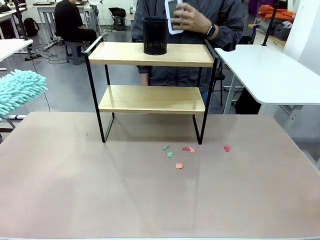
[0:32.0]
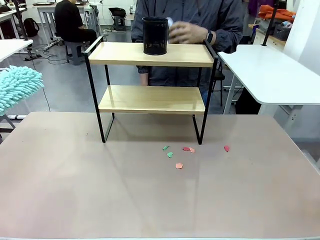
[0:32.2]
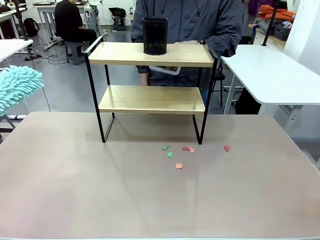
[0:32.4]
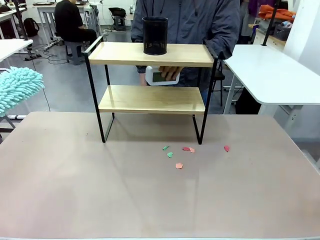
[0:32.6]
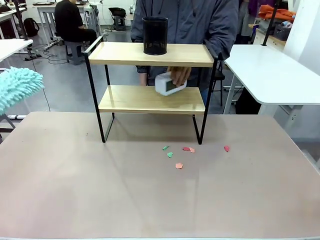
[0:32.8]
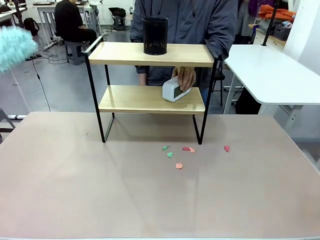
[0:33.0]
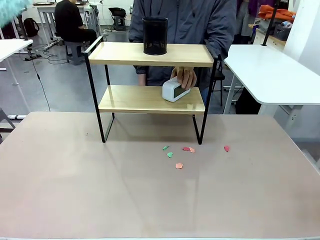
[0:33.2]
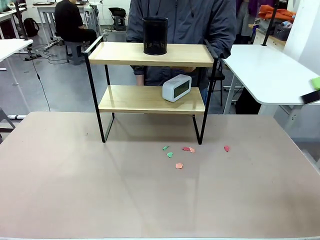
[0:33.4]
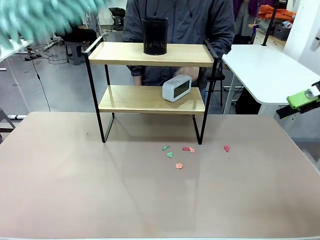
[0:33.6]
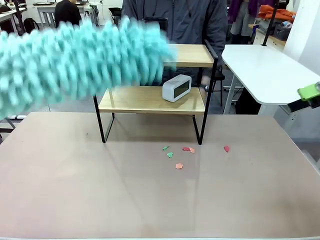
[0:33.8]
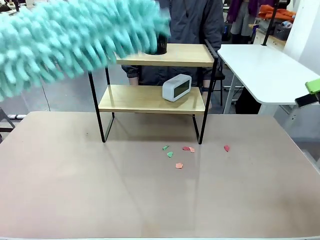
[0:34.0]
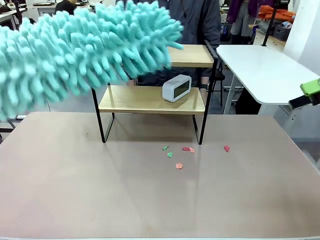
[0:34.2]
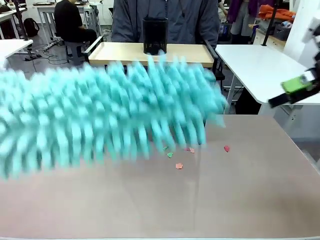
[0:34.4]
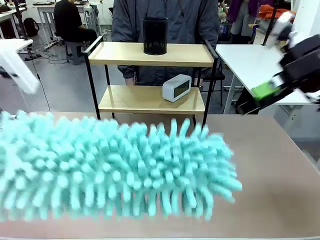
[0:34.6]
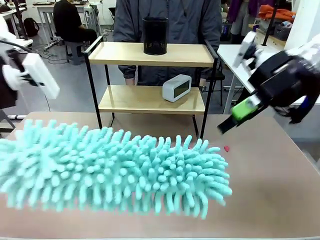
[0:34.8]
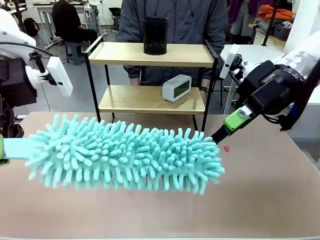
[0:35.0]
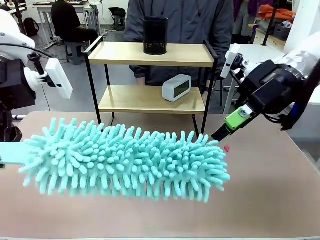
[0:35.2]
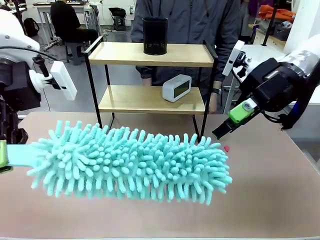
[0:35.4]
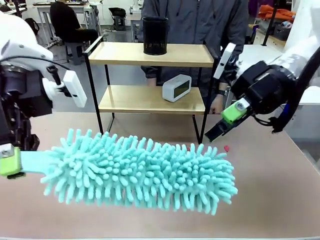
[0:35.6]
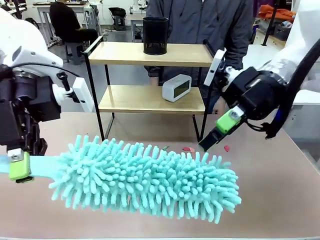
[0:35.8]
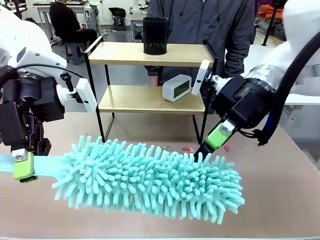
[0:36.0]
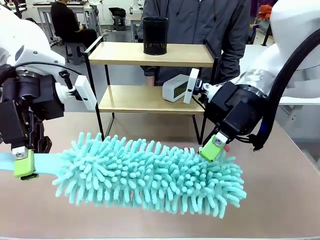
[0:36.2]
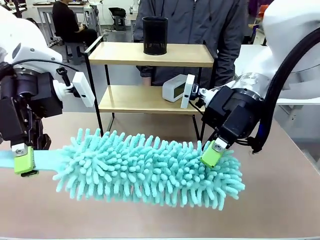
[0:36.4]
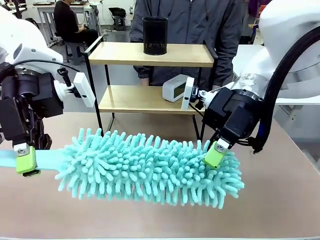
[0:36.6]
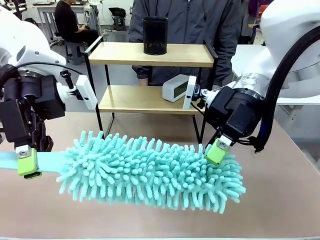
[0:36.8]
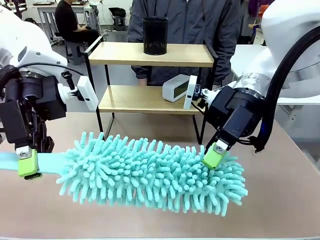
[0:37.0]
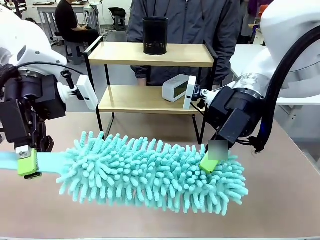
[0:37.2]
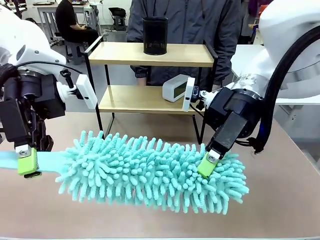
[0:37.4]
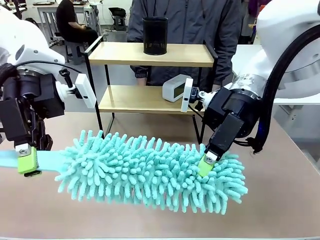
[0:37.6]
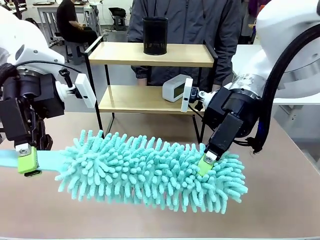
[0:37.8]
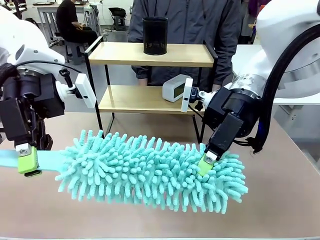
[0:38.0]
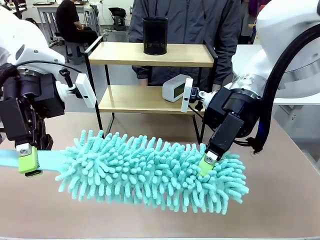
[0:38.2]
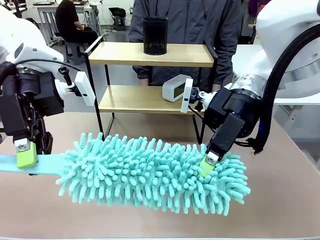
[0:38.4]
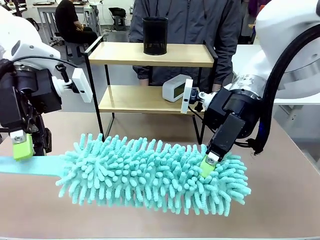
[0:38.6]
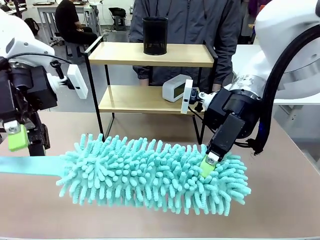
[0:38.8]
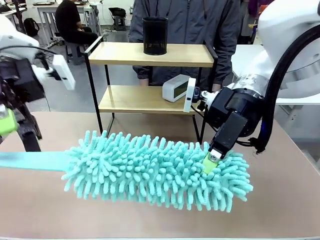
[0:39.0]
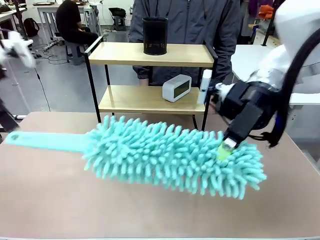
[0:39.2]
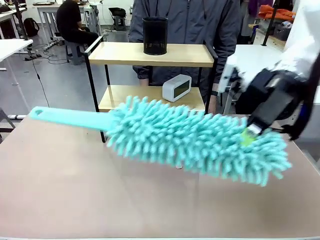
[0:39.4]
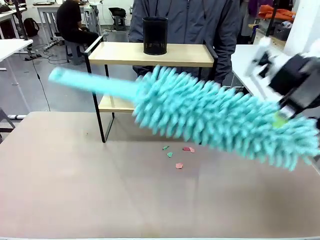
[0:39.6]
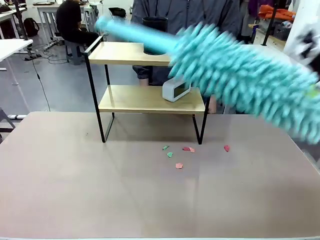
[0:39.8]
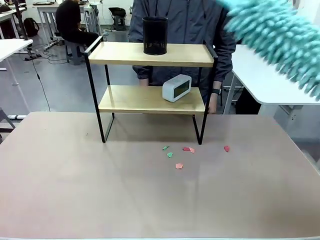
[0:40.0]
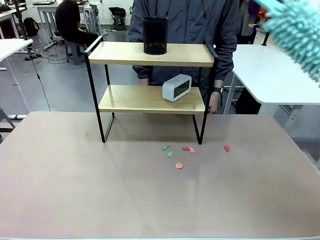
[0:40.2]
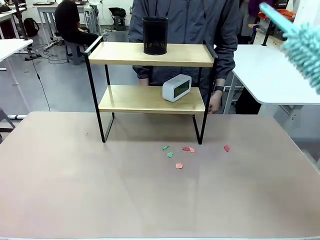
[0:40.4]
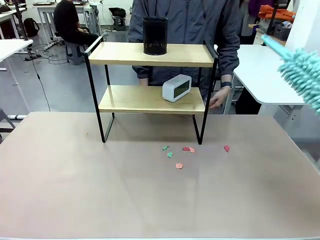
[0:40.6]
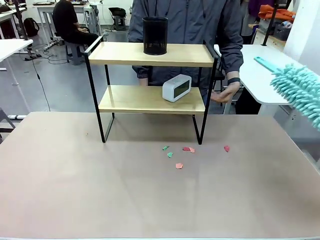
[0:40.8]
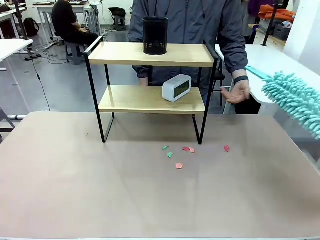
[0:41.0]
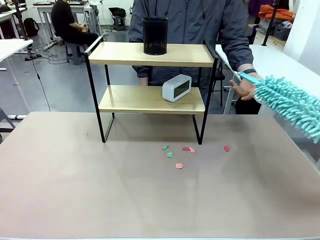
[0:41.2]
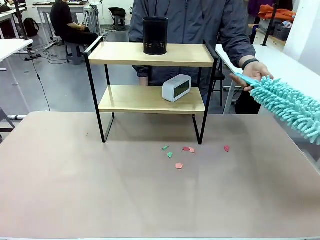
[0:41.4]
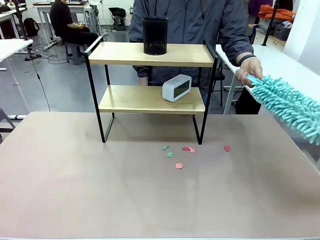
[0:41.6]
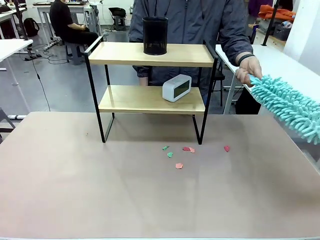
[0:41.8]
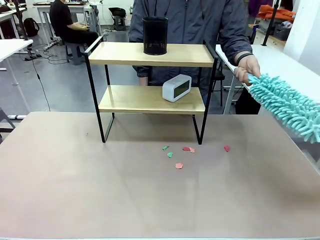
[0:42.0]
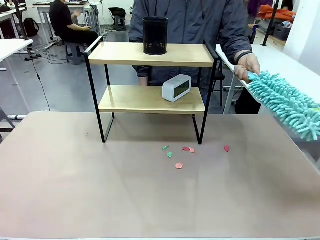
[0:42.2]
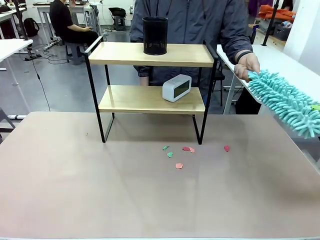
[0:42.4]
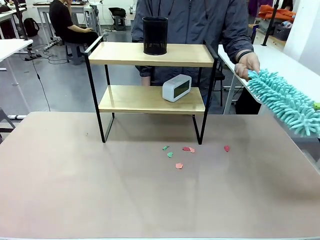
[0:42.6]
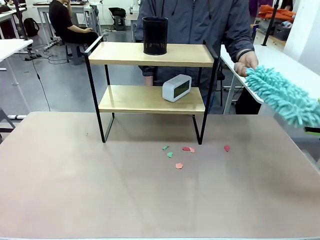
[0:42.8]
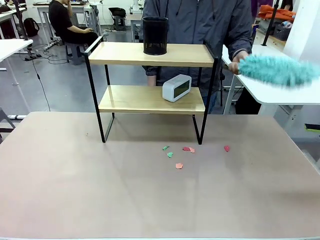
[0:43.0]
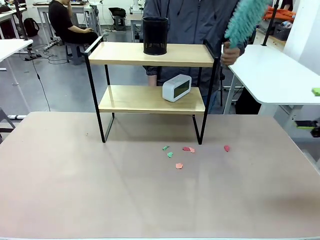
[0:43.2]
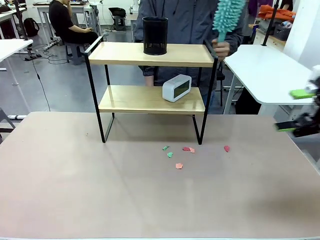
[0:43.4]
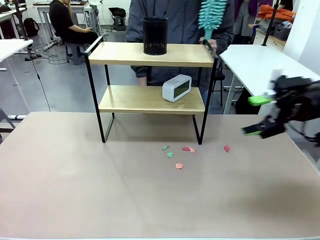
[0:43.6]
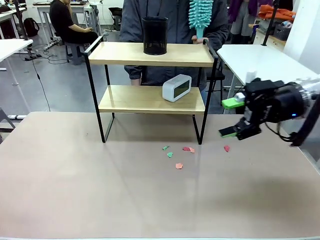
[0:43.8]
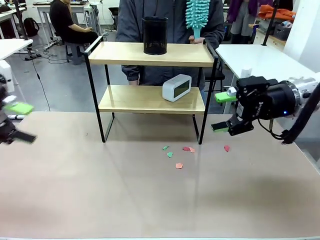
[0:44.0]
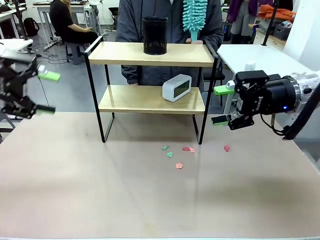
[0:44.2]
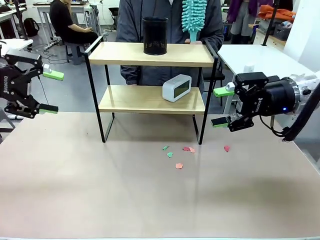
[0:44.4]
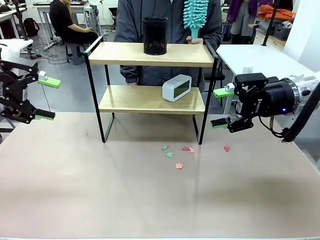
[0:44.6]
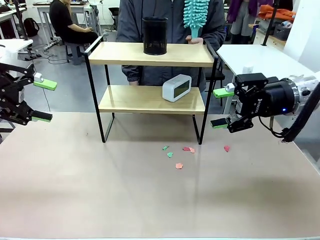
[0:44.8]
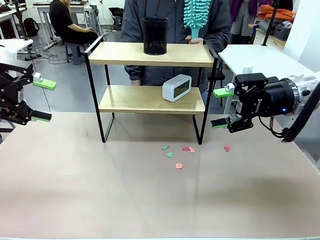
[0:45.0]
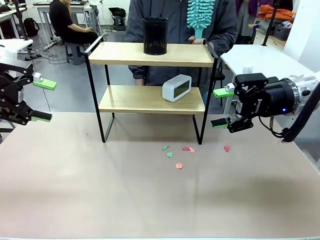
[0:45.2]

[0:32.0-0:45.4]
Task: Clean the shelf.
Robot: Hand the Duster back to the human.
Person: Receive the Duster from the robot.
